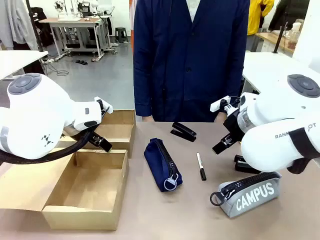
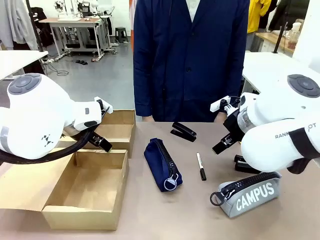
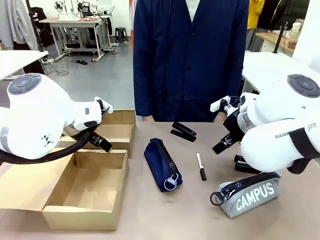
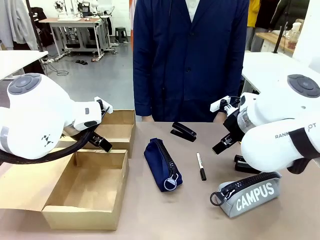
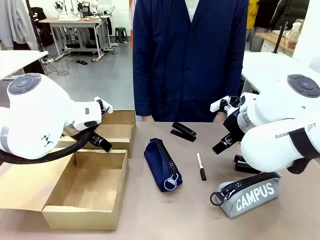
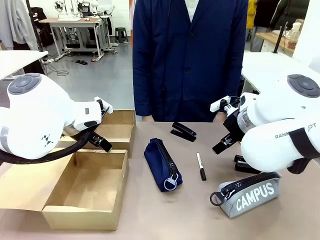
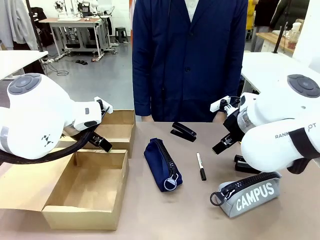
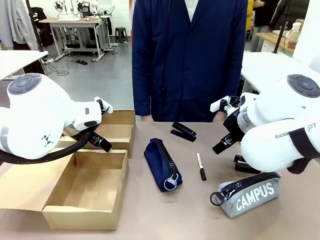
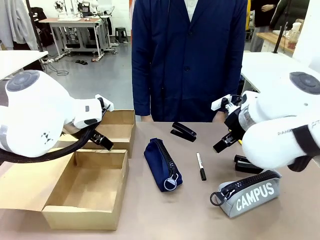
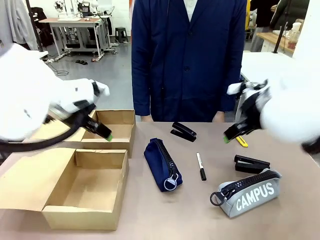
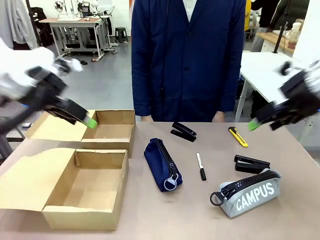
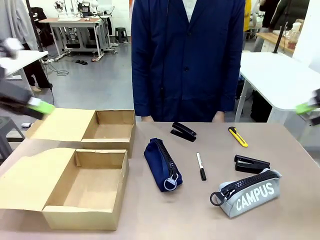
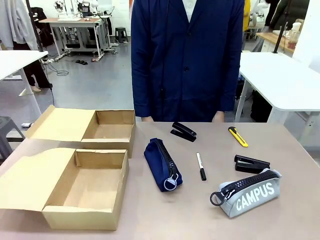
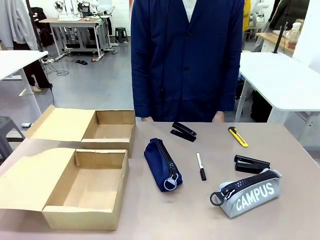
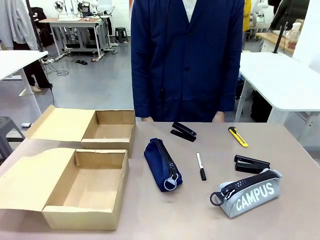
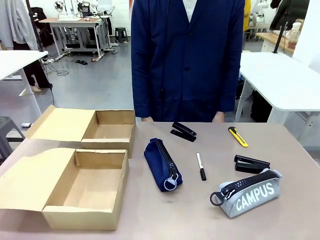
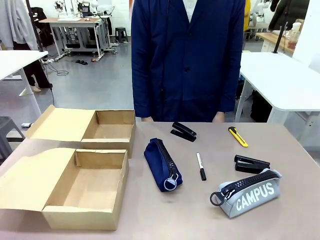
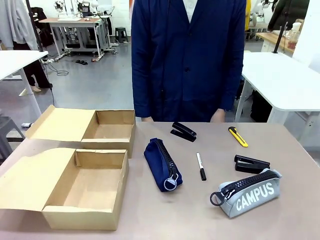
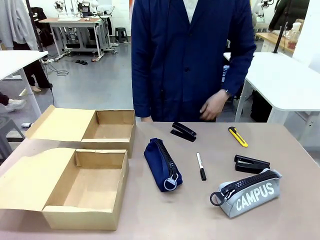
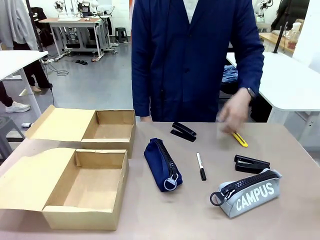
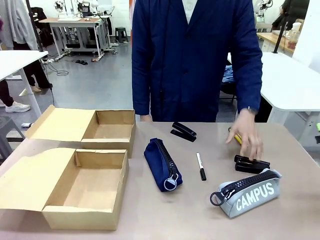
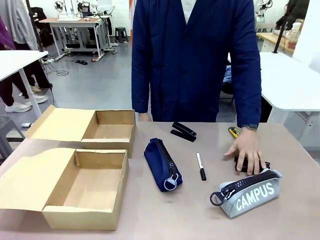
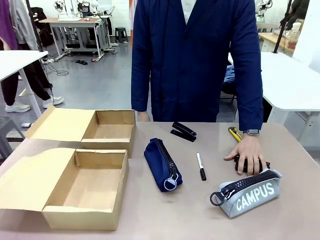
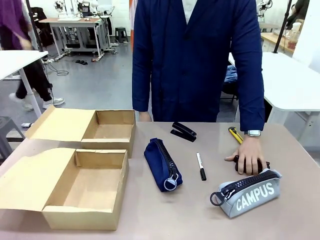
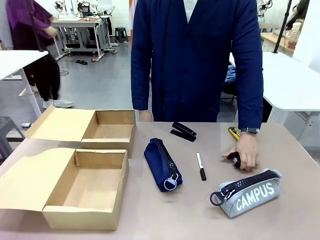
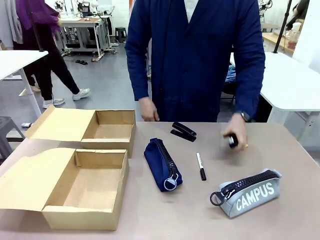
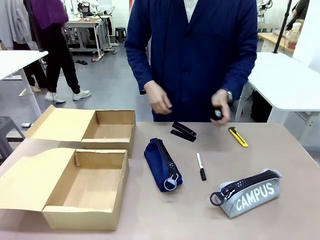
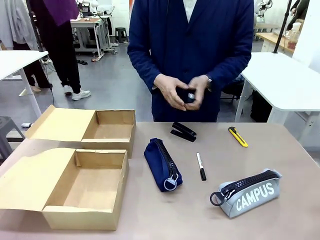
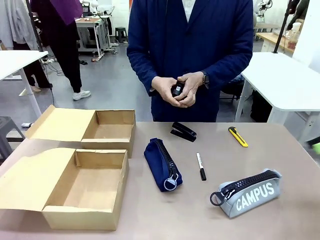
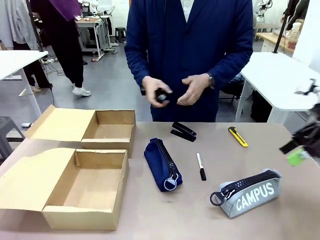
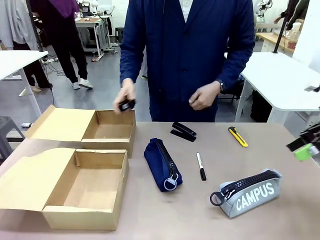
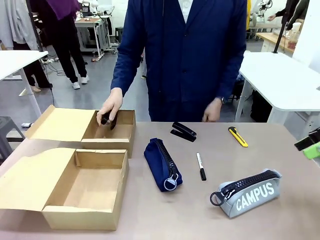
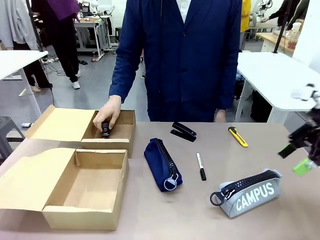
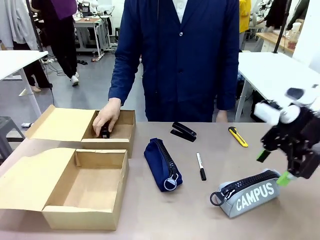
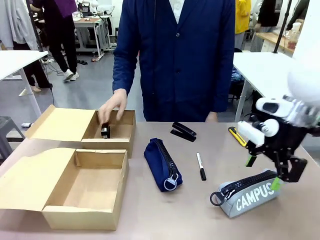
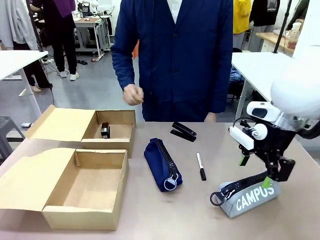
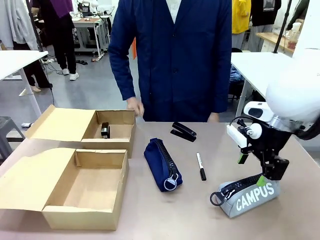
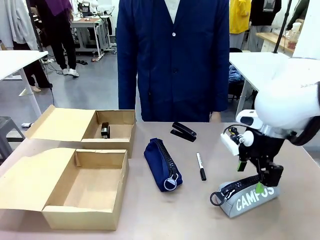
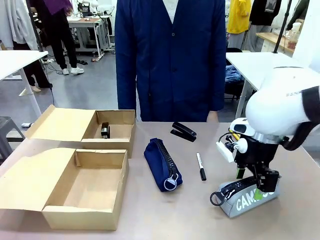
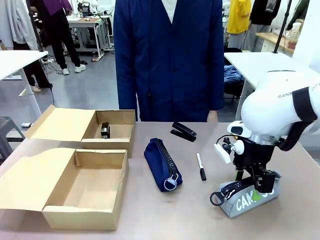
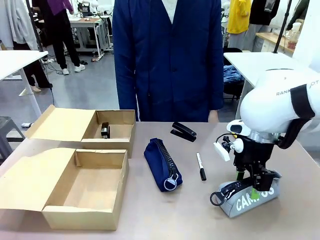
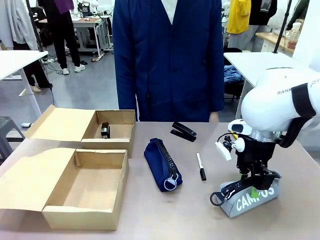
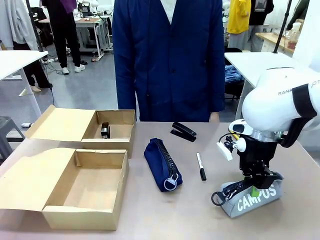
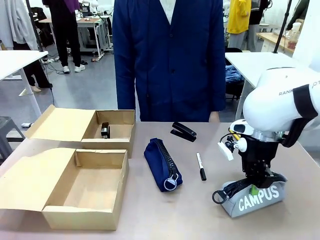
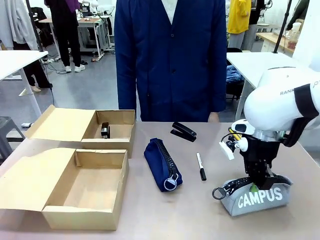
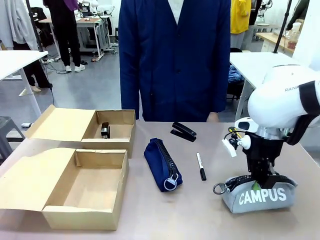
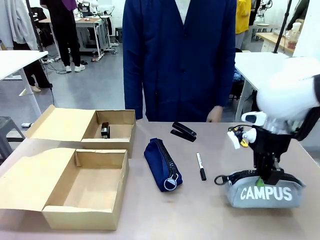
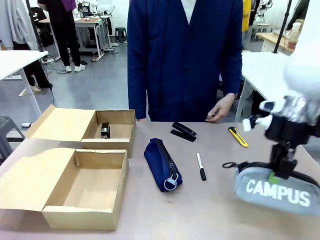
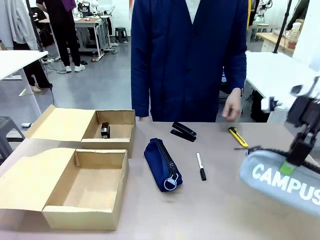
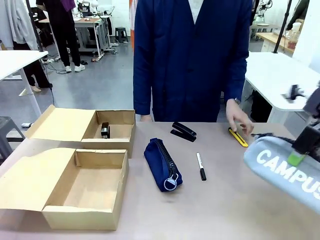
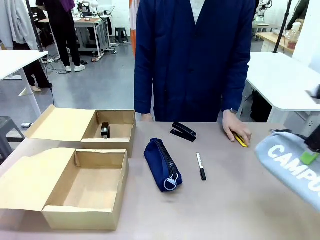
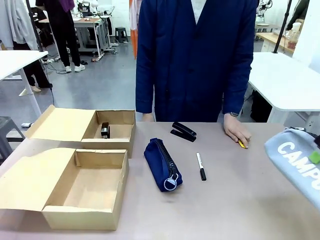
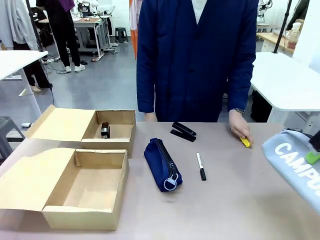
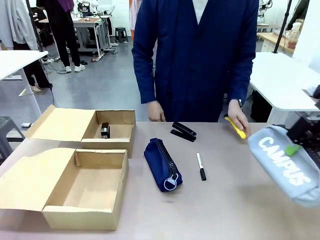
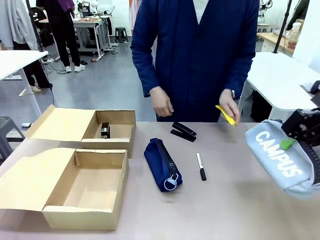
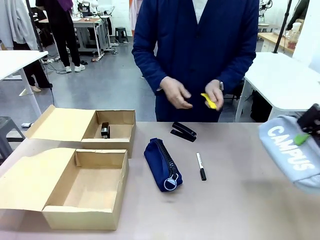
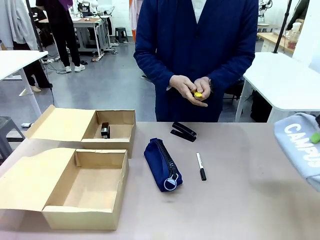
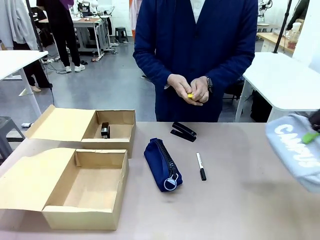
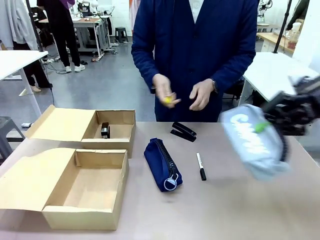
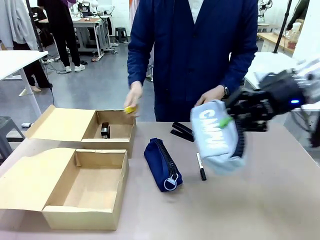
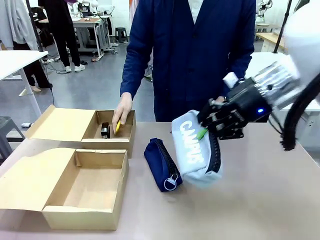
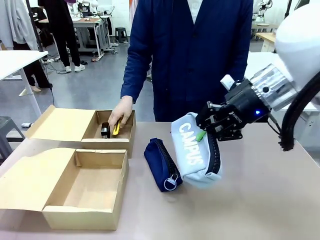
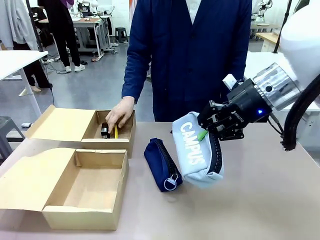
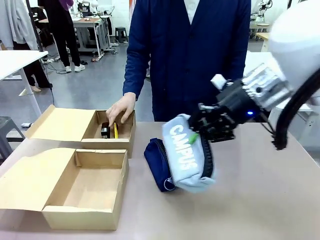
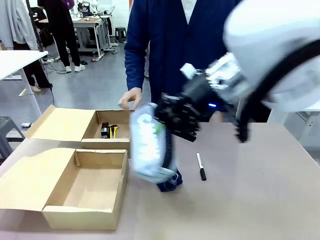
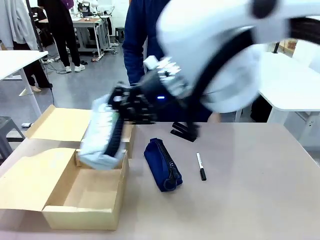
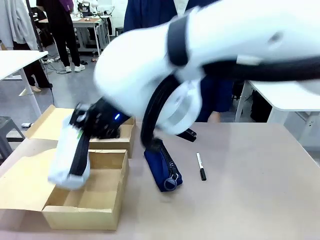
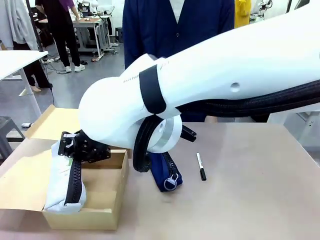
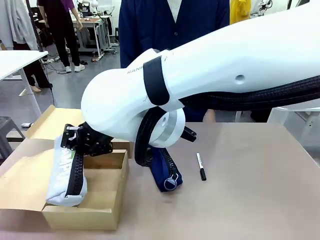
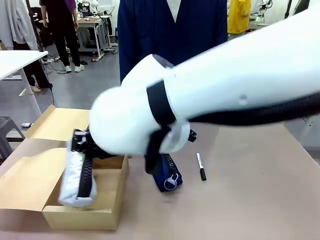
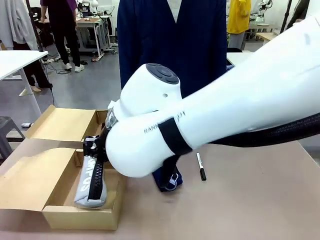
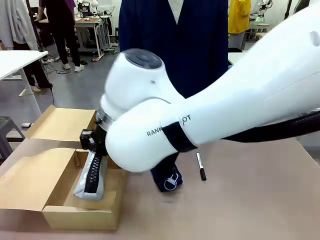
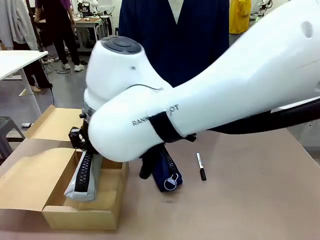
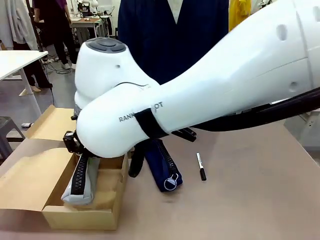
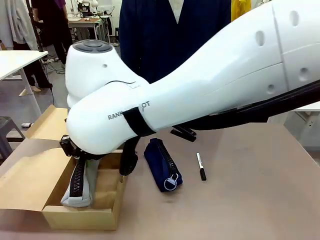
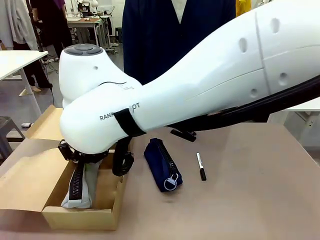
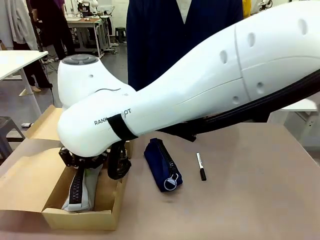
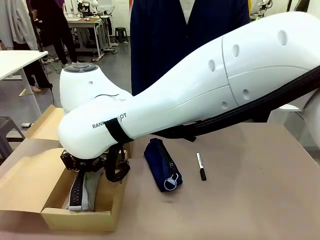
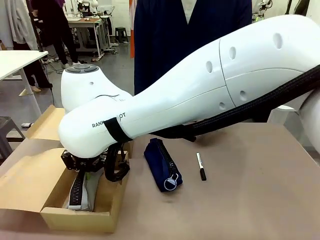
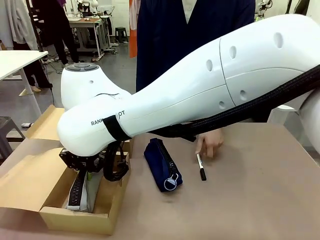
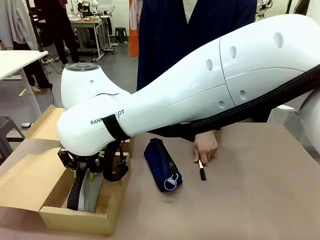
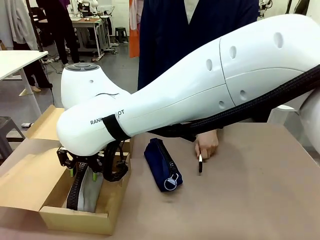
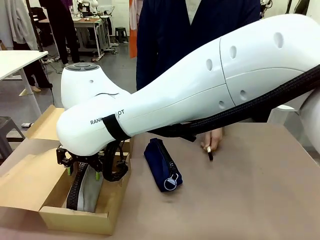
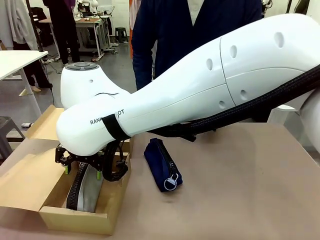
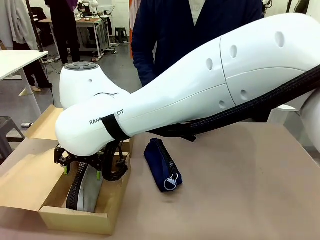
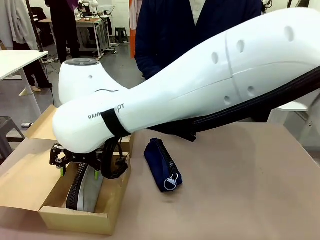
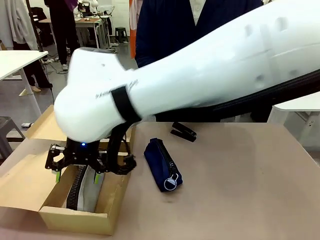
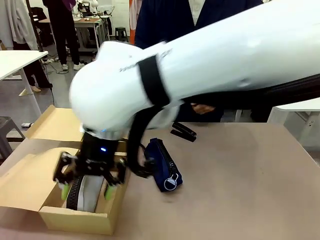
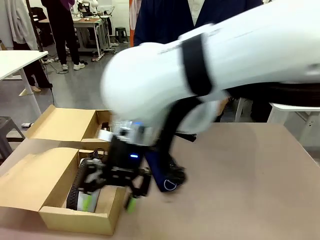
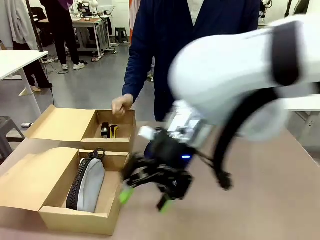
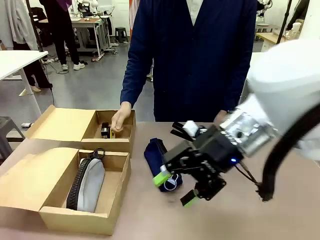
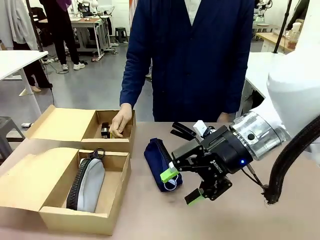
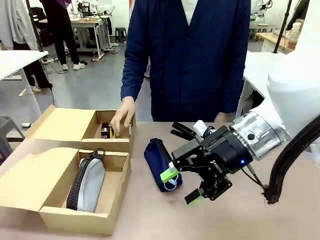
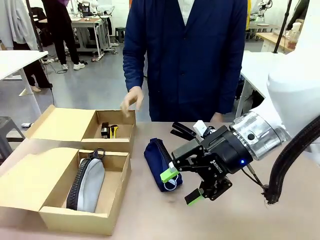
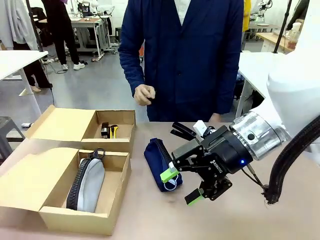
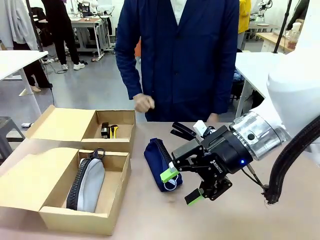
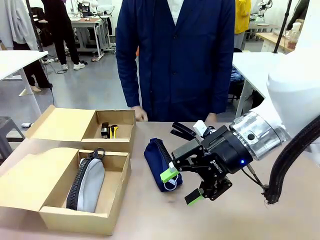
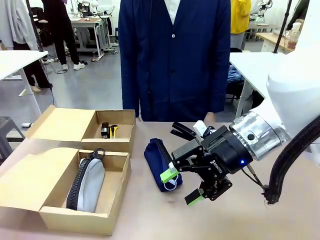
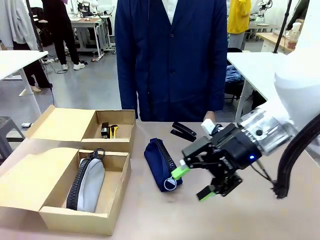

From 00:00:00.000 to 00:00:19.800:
Task: Place items inside the box.
Robot: Pick up a Pencil pouch or Stapler and place it inside the Mailer Box closest to the robot.
Person: Pick up an object on the table and put it in the box.
